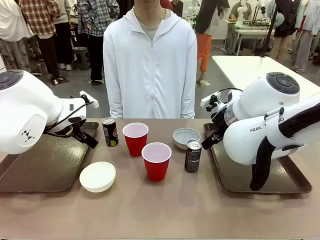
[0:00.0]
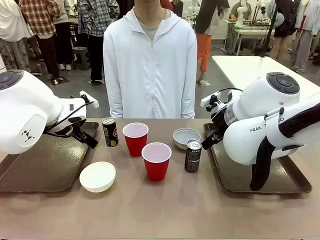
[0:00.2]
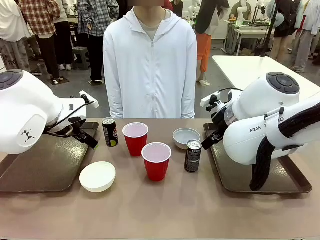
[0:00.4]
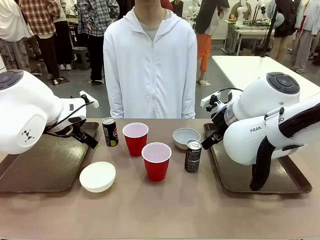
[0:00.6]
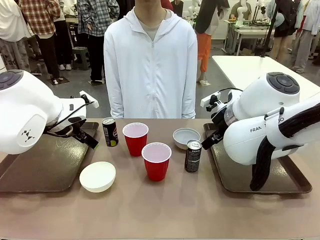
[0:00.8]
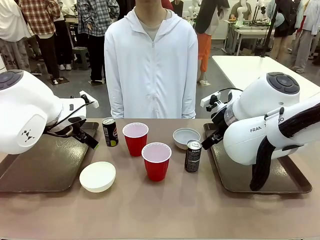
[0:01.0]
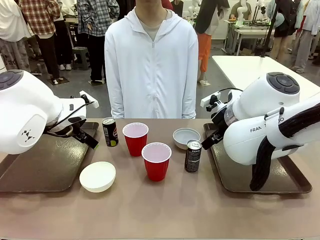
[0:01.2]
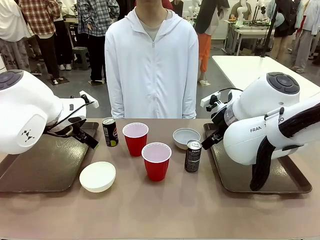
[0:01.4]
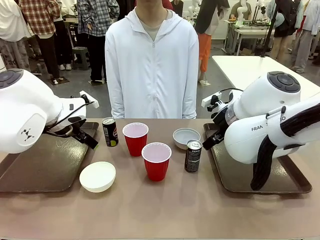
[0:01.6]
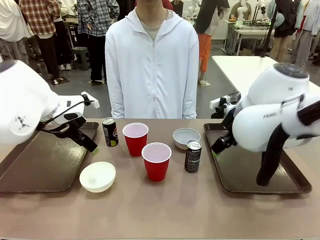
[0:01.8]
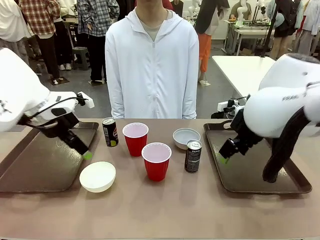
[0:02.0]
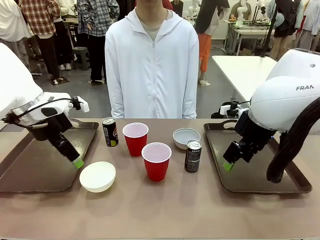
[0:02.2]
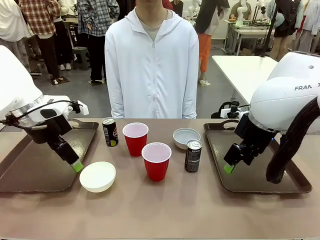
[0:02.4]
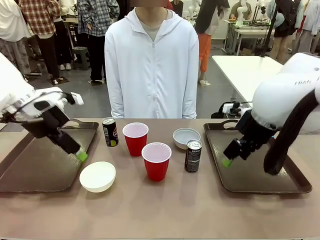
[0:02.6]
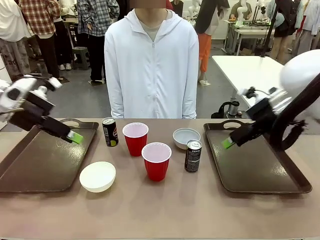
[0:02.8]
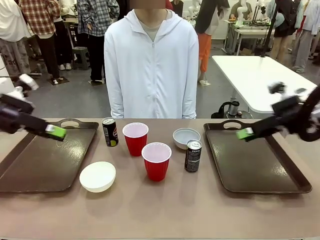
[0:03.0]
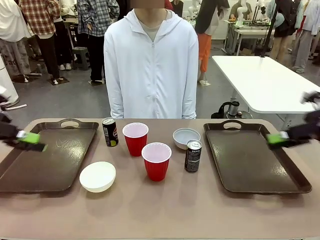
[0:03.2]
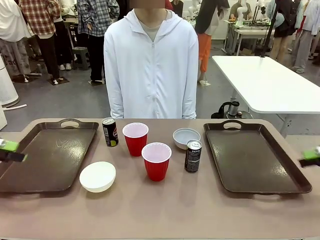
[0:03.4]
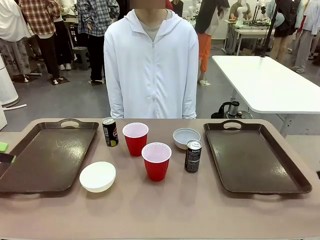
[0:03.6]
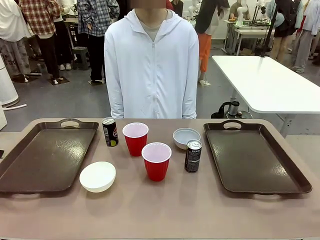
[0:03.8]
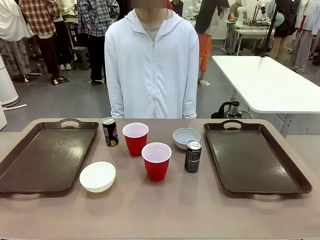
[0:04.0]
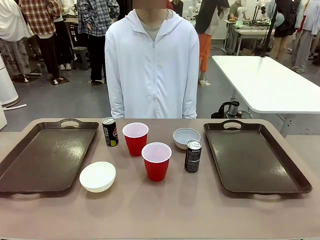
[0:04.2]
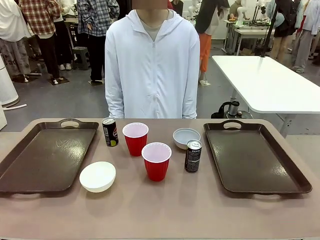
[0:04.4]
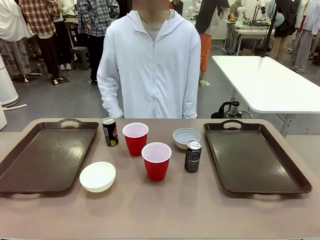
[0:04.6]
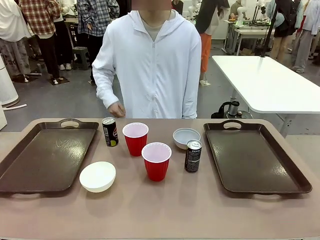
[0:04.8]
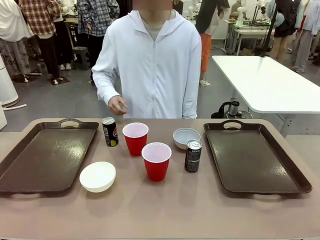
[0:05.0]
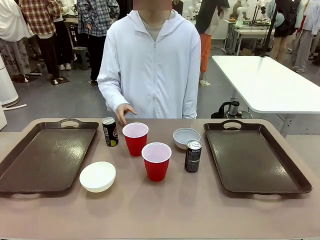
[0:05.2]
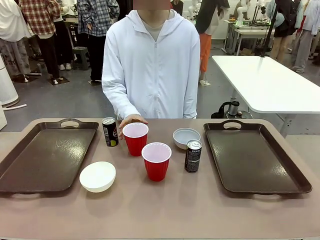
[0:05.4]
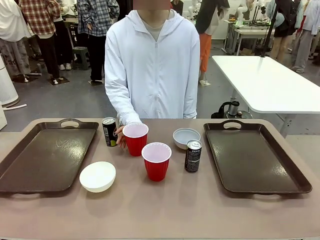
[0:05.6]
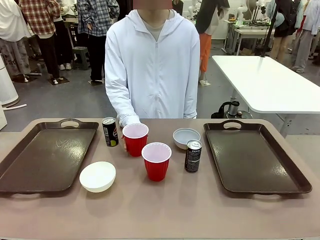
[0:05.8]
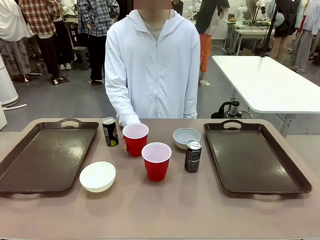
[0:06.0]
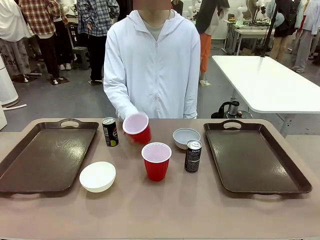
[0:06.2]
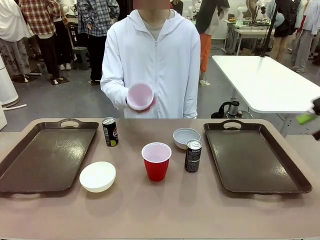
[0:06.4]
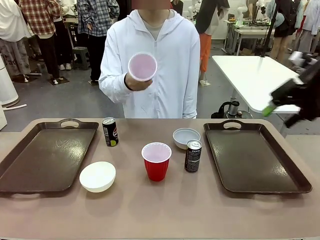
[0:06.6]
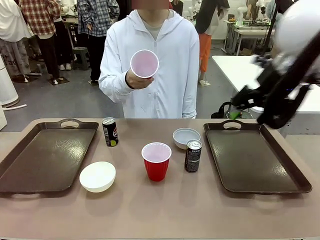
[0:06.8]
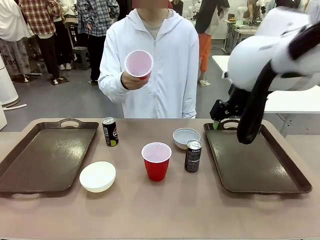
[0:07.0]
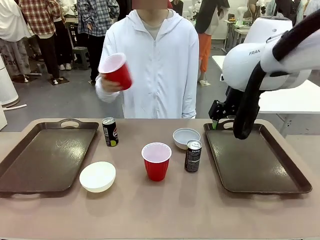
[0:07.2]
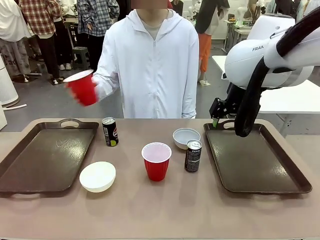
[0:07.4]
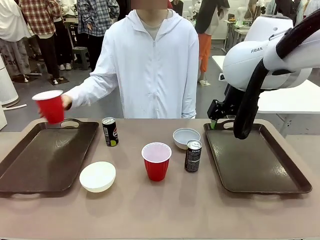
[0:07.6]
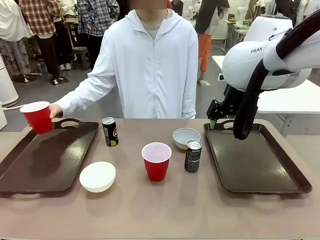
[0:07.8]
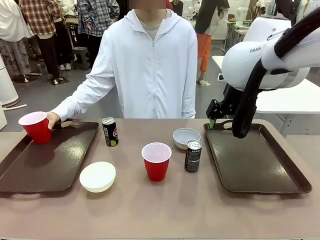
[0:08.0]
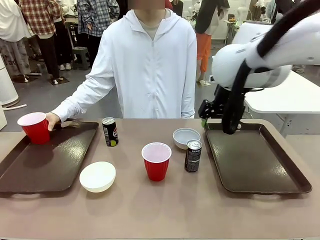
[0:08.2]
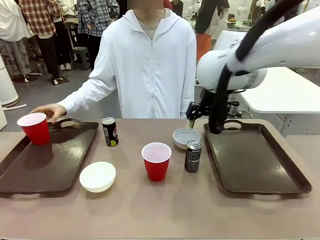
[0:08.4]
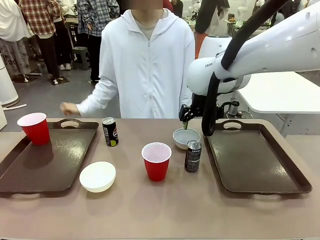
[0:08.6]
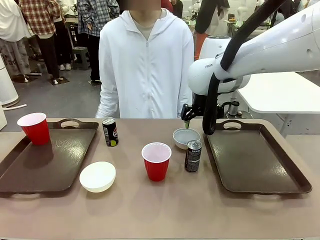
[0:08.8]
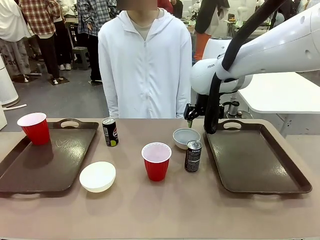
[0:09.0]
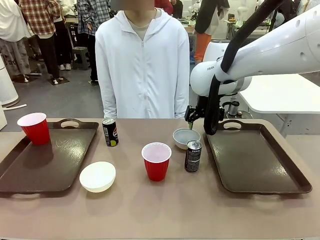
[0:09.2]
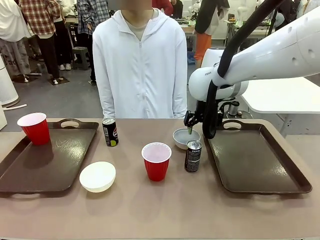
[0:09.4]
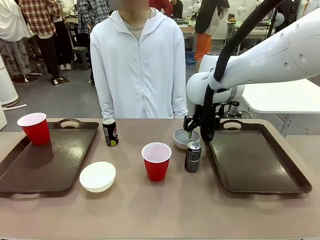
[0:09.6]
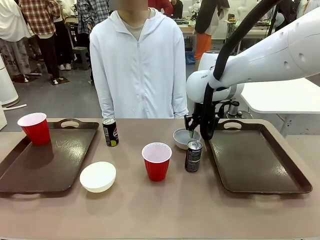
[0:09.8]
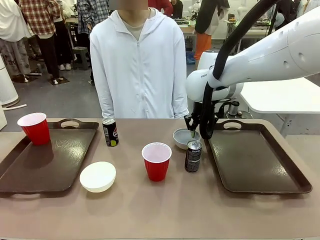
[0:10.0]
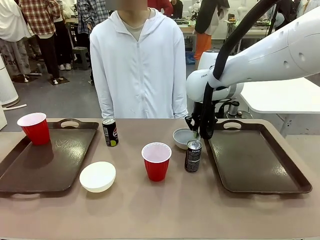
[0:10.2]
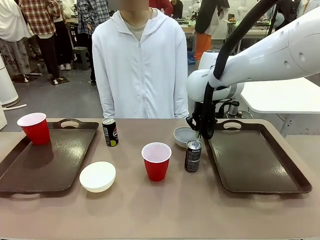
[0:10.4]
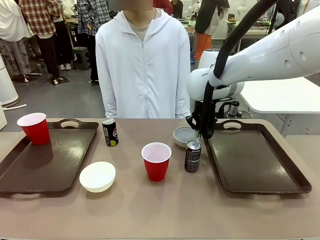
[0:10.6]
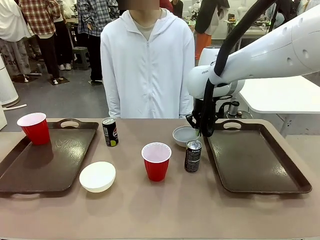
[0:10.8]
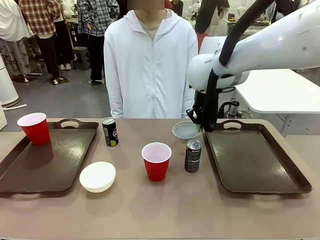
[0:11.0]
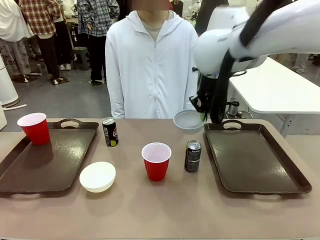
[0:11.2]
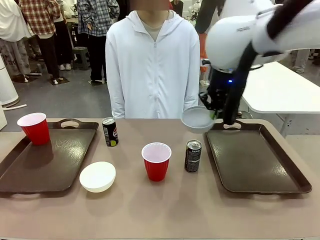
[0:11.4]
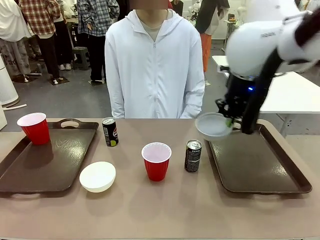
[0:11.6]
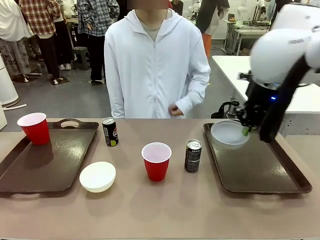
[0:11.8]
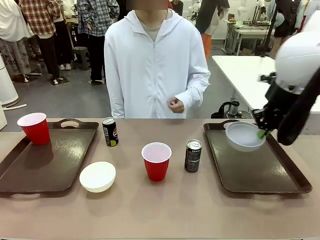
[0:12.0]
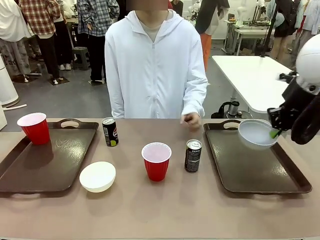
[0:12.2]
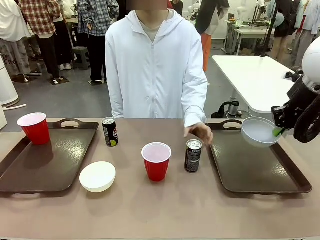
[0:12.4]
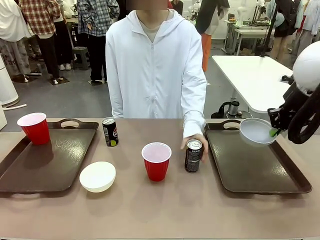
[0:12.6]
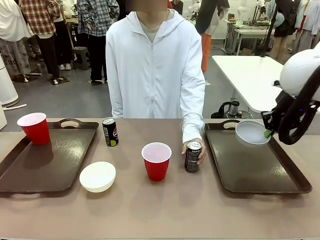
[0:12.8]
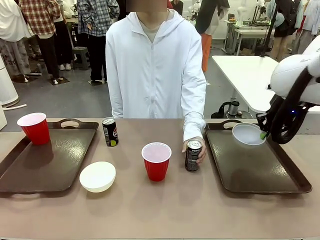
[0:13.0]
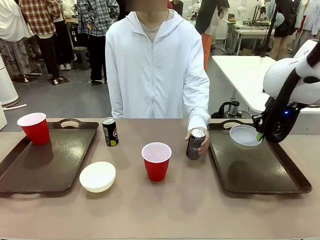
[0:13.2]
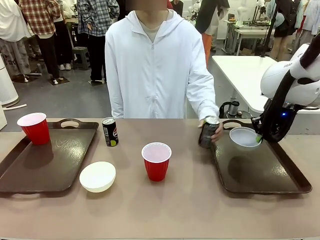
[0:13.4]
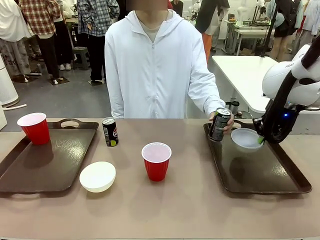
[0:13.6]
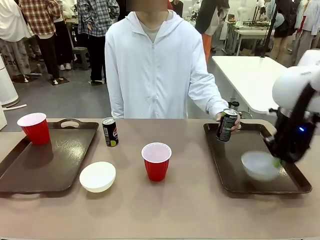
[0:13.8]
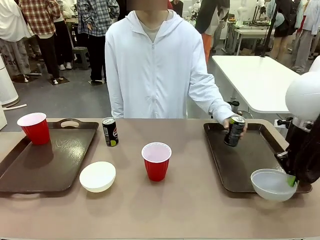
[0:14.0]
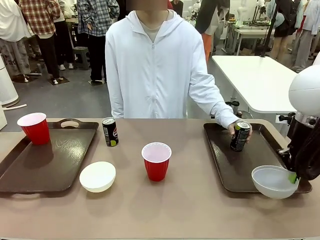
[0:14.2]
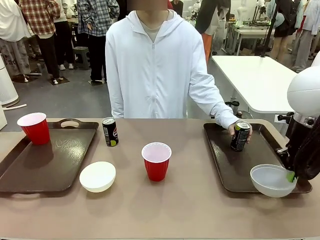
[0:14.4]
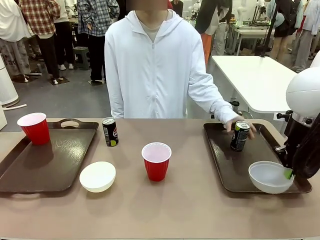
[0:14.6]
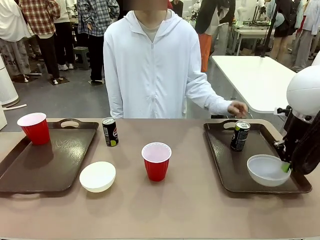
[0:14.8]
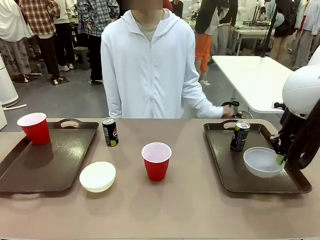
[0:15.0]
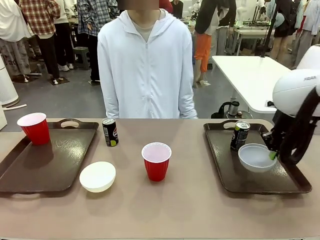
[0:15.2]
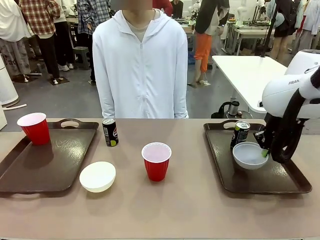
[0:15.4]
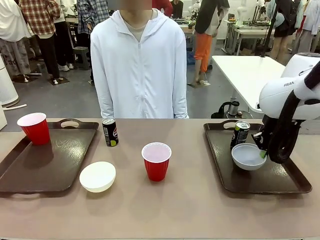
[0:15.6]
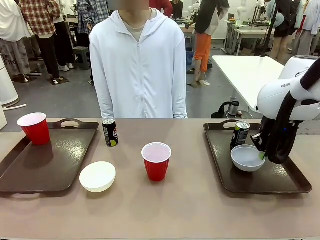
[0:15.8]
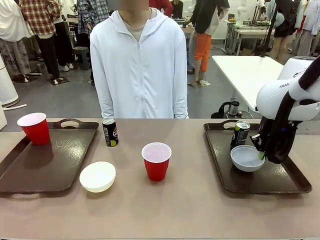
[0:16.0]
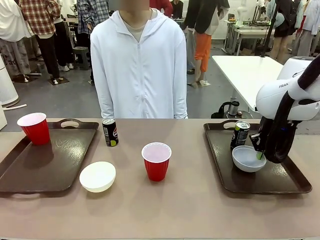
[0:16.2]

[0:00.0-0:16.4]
Task: Prepare tableware on both trays.
Robot: Pick up a Picnic Bowl from the table and place it on a Handle tray.
Person: Pick up a can or cup and place it on the tray.
